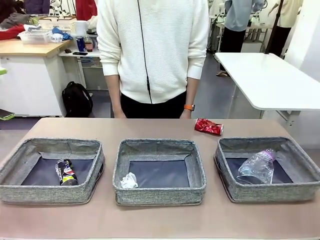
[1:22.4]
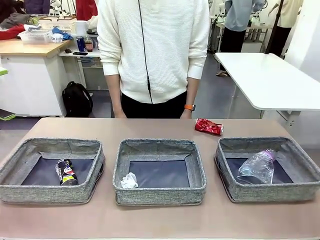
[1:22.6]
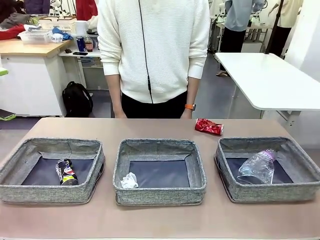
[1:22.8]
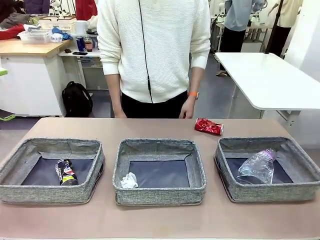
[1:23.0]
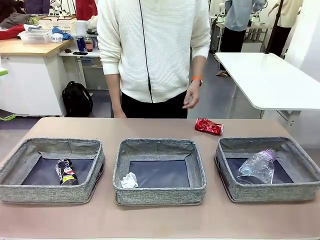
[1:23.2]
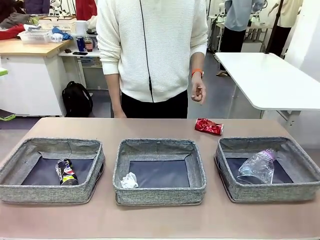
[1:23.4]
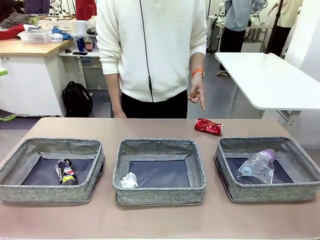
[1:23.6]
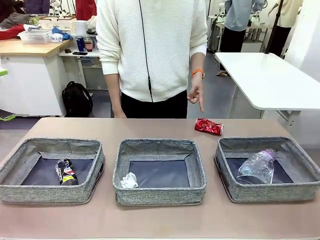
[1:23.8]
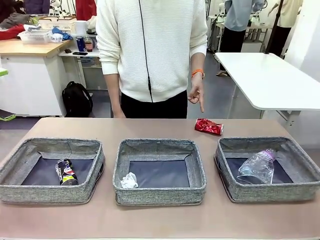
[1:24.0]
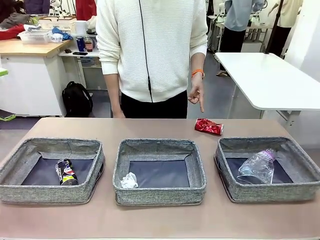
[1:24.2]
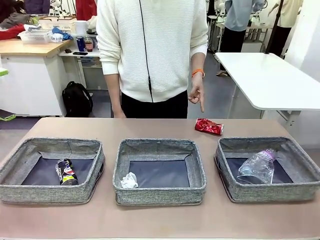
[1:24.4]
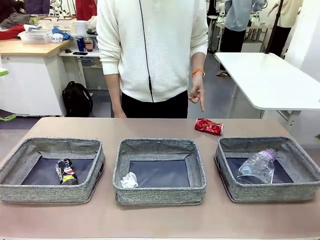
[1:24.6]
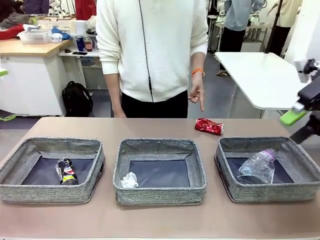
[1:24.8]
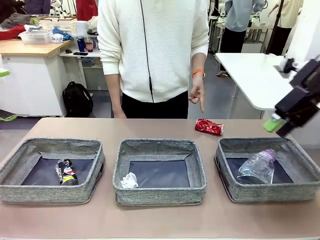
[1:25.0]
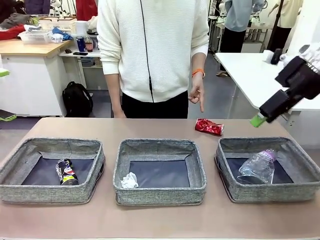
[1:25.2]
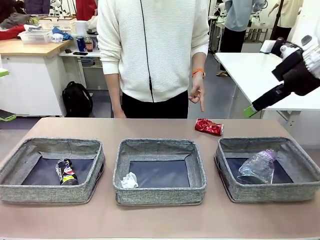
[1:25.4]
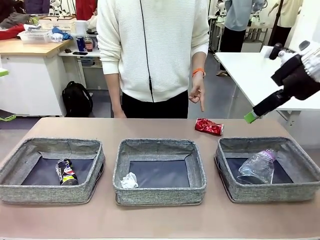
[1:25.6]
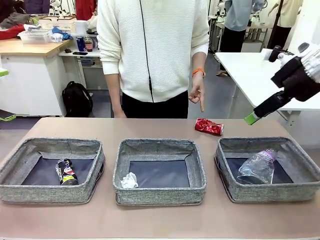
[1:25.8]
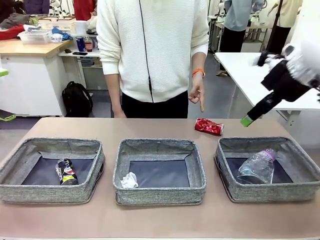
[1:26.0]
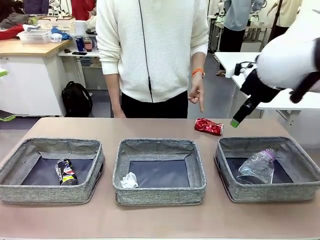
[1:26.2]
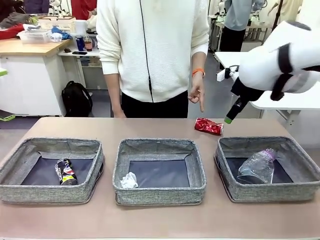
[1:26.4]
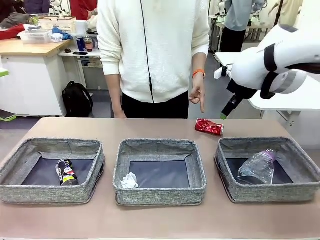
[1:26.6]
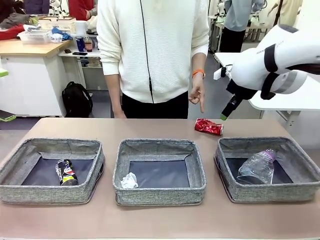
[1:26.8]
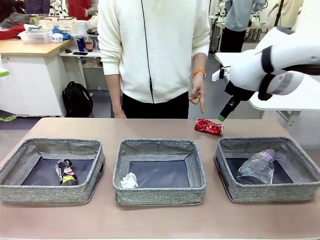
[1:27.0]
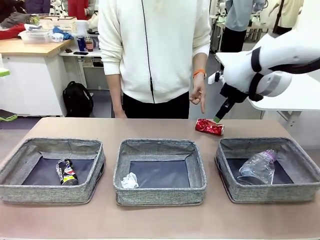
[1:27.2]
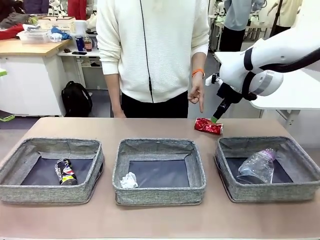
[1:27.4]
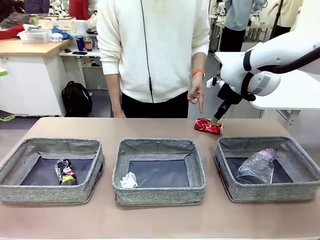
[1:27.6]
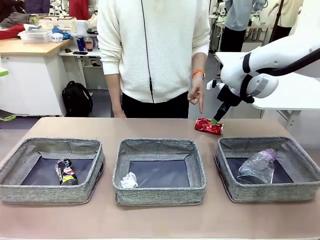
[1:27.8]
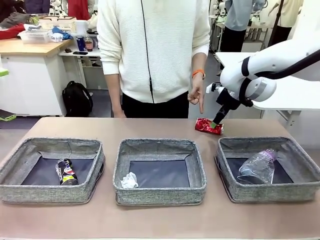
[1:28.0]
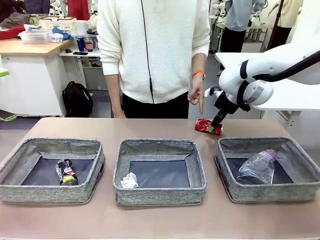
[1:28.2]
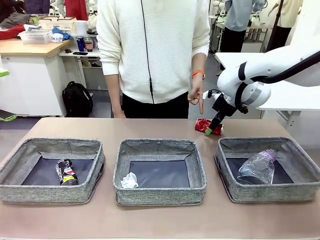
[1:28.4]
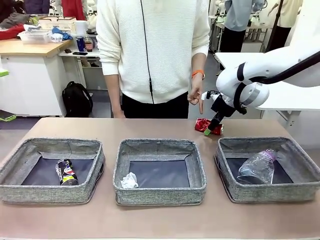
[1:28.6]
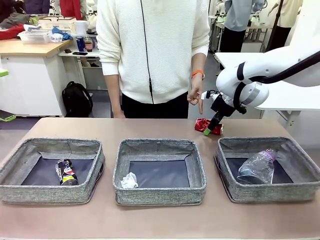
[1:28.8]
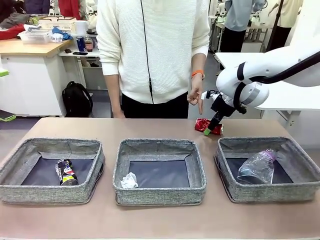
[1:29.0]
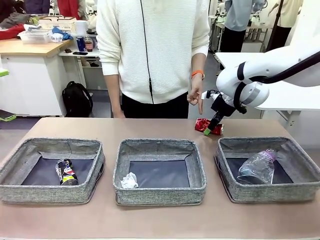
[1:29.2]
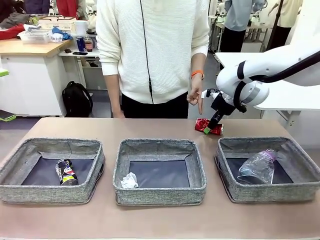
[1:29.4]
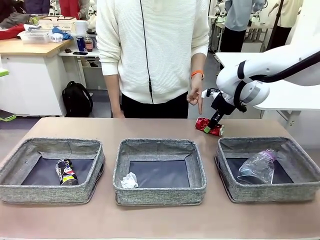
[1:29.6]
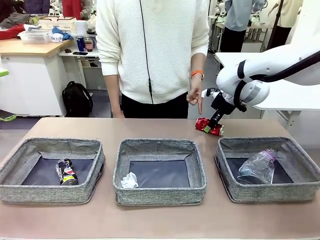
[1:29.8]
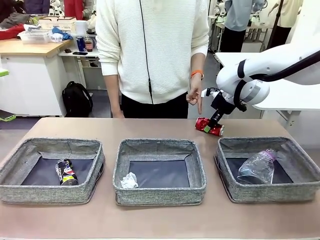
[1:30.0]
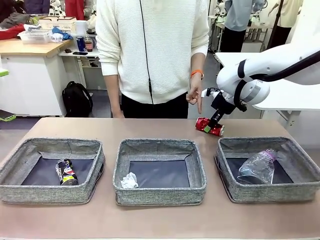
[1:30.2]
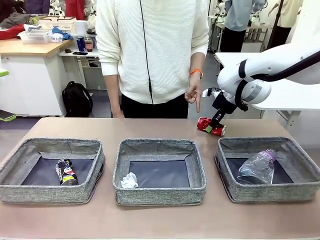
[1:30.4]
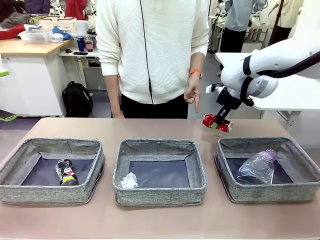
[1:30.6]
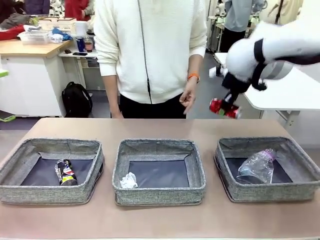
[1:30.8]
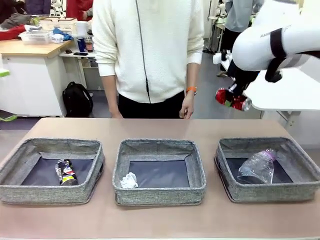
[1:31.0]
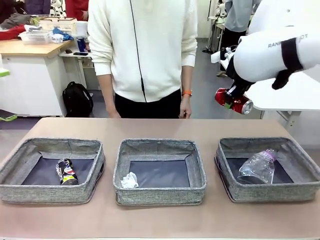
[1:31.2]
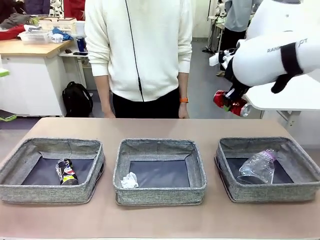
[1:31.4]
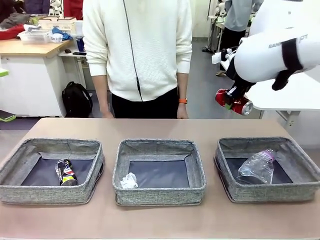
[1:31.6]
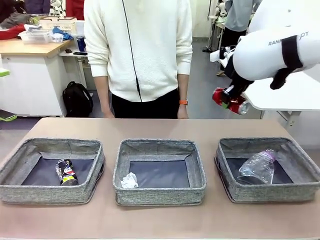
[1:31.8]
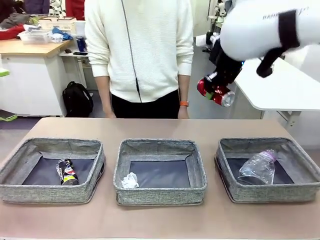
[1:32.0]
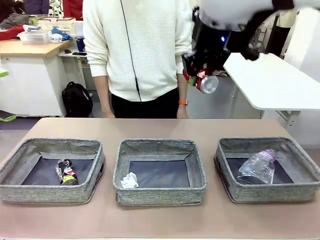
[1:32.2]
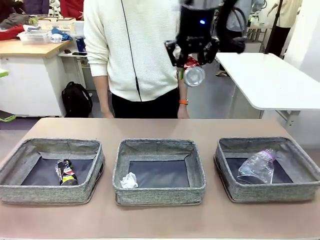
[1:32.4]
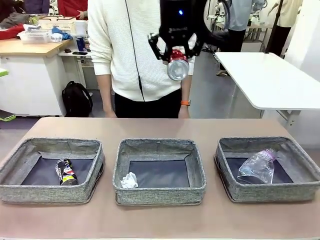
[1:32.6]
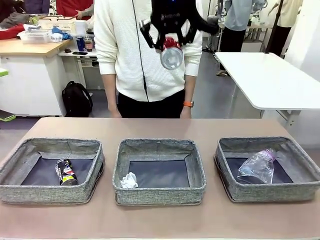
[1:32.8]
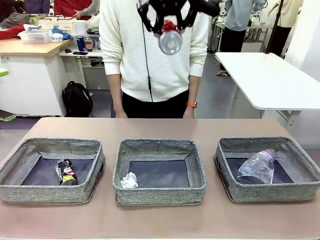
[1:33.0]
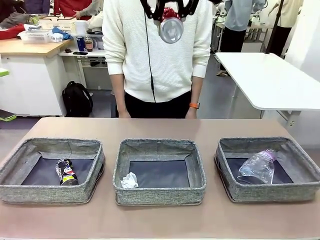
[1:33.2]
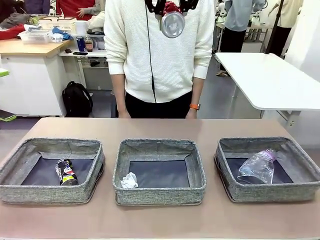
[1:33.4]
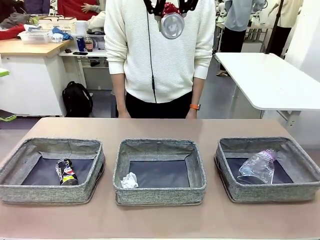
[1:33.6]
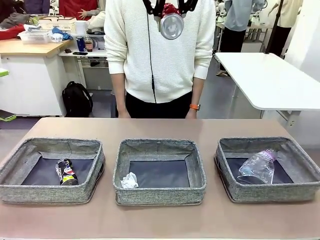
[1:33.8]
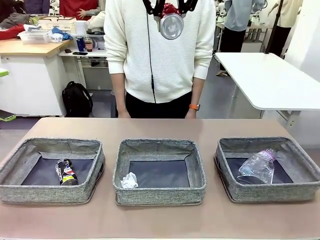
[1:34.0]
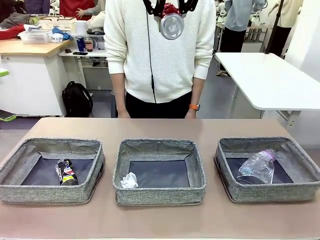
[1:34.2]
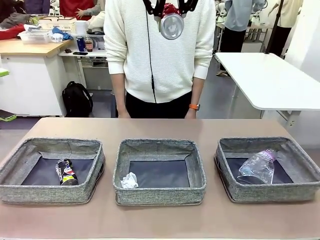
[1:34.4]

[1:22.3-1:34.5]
Task: Sort the waste into the appropriate baskets.
Robot: Pick up the waste item pointed out by the person.
Person: Points to one piece of trash on the table.

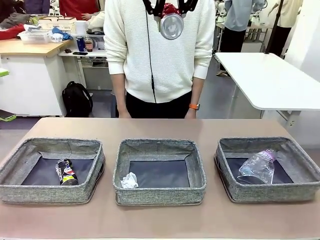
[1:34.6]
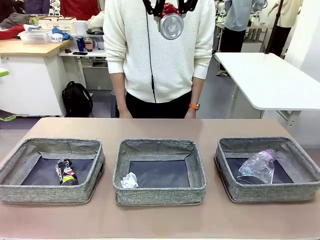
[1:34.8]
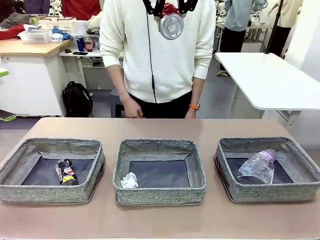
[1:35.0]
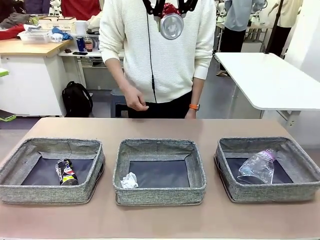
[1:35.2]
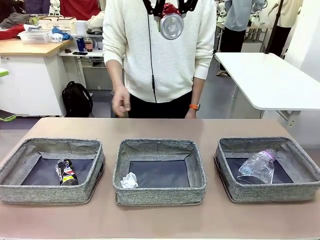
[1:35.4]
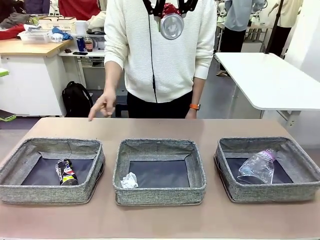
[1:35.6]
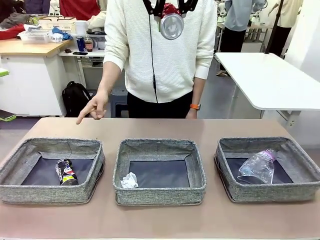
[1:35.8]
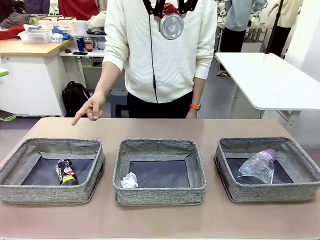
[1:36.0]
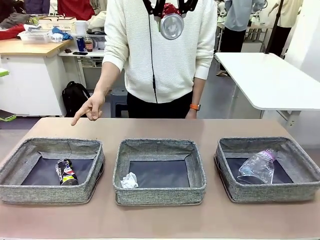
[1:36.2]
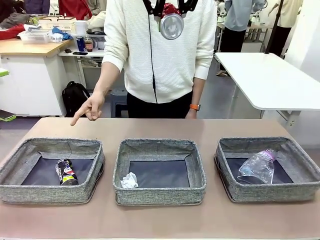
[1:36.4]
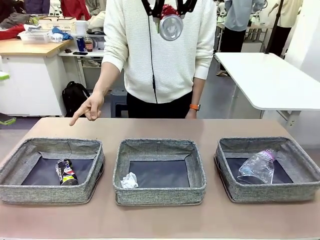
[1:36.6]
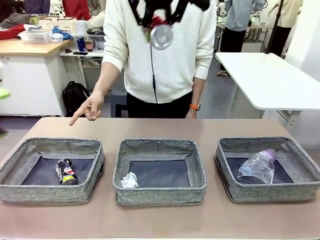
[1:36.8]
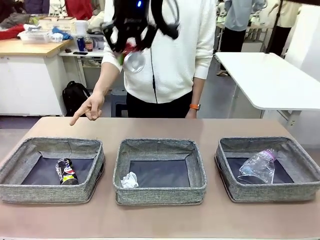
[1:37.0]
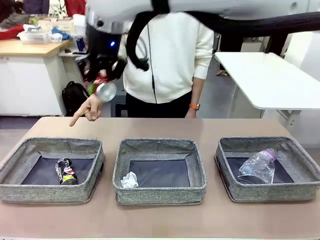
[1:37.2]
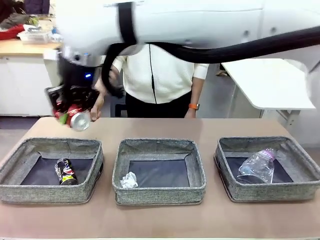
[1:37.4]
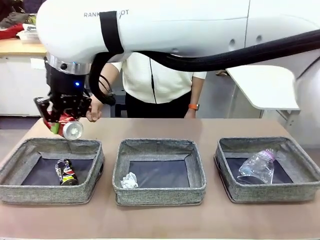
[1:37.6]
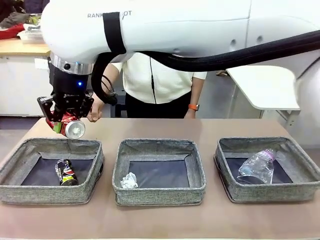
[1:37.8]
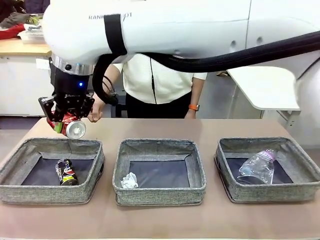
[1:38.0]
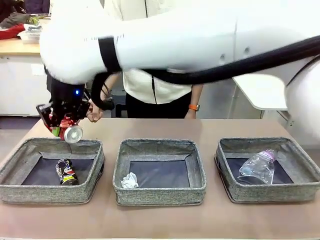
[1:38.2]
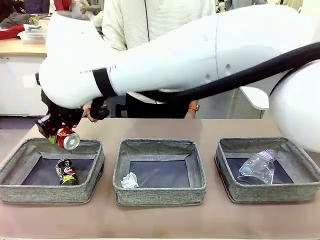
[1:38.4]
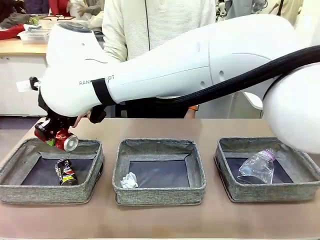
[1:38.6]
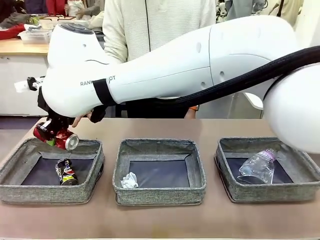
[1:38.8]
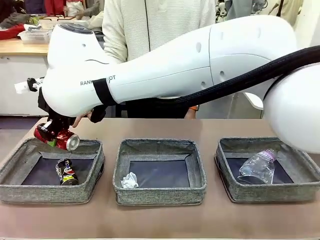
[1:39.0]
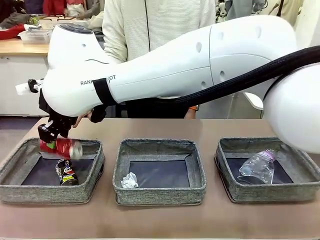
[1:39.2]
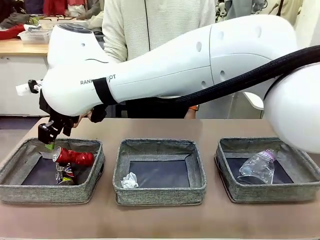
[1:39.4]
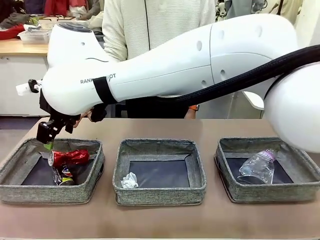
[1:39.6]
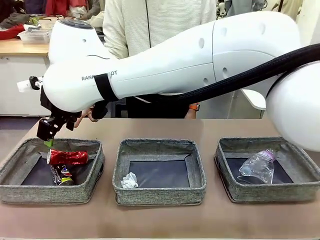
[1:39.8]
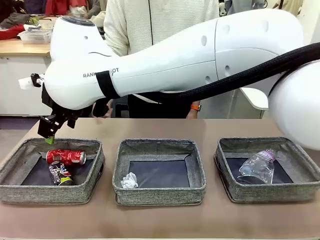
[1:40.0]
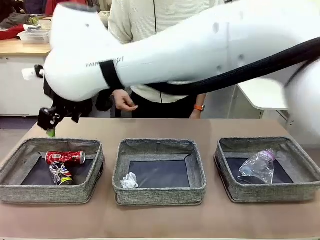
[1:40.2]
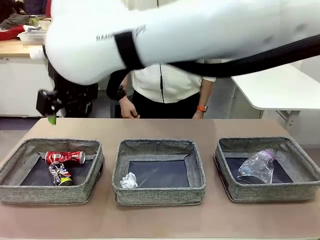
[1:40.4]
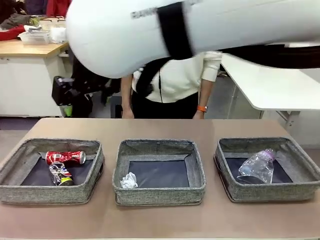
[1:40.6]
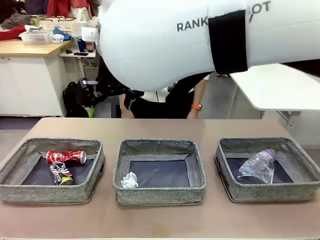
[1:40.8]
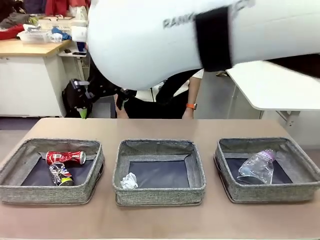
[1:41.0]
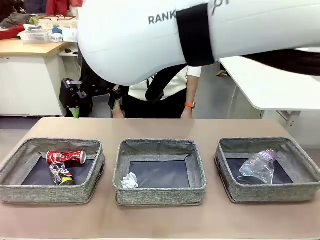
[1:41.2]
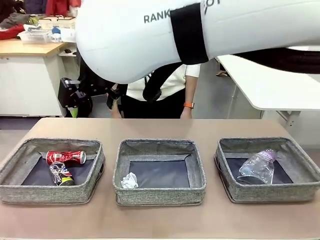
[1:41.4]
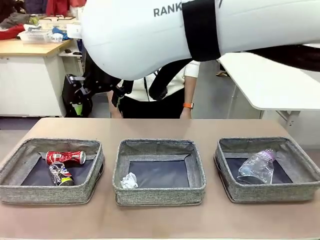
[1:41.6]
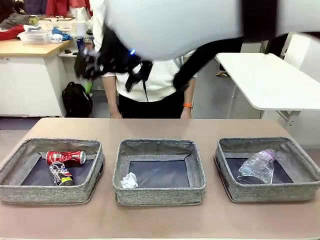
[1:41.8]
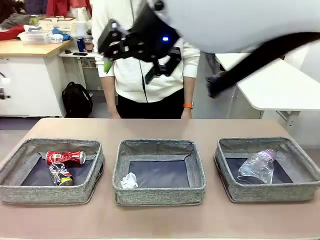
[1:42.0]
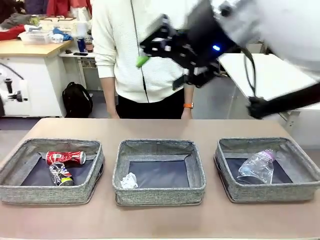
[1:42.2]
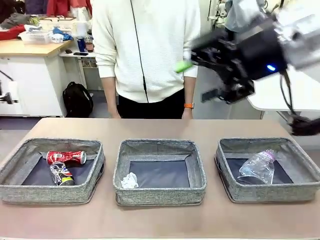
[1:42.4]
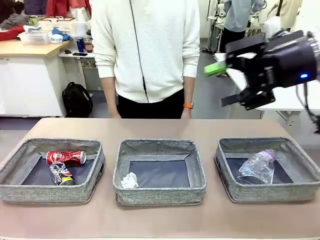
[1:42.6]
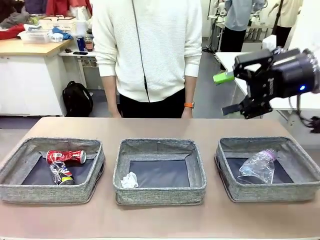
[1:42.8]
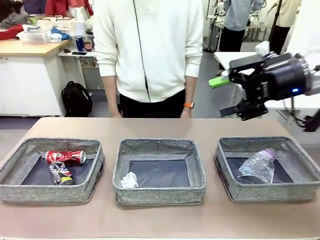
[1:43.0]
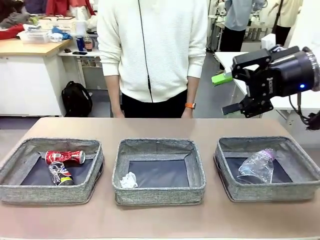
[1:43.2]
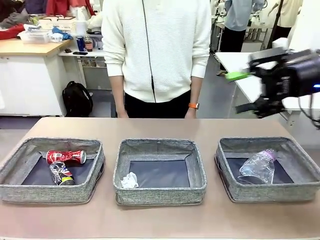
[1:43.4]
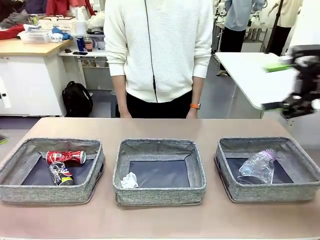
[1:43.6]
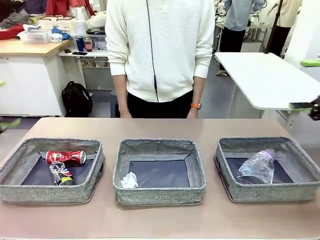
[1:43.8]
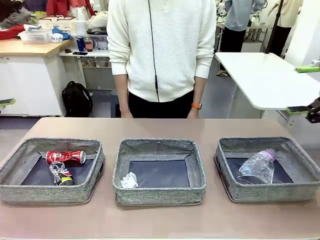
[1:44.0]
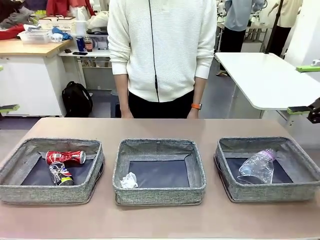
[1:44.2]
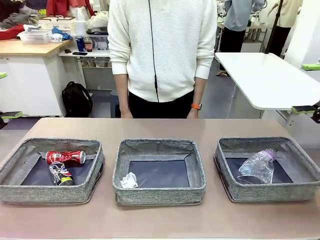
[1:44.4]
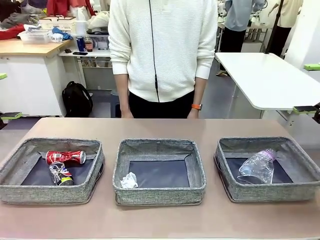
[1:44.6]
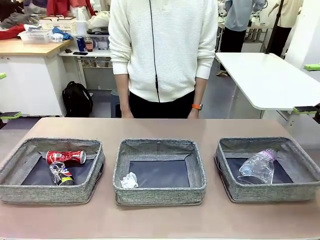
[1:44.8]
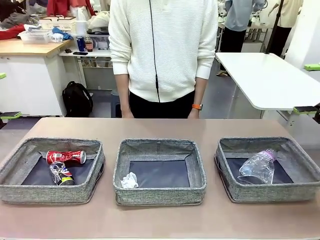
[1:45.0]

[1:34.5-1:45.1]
Robot: Place the picked waste into the Fabric basket indicated by the person.
Person: Instructs the robot to place the picked-up trash into the appropriate organizing basket.
